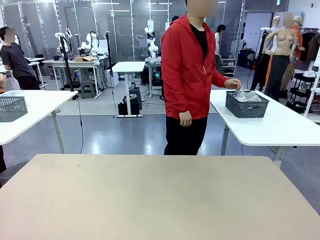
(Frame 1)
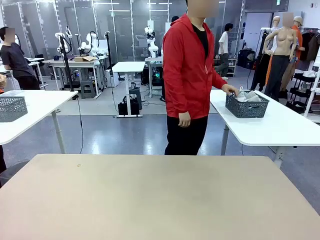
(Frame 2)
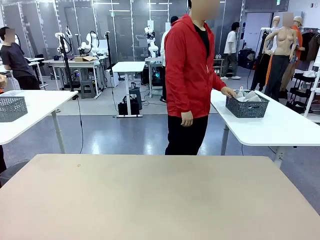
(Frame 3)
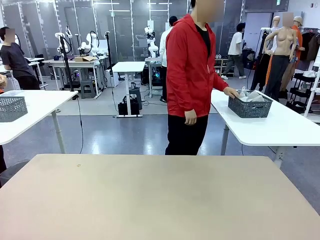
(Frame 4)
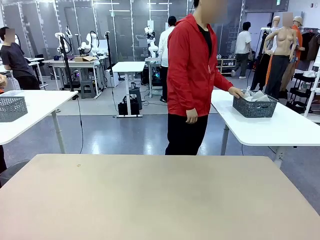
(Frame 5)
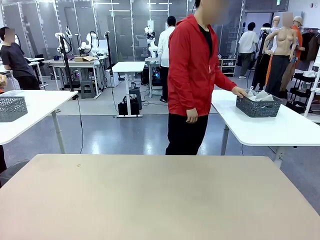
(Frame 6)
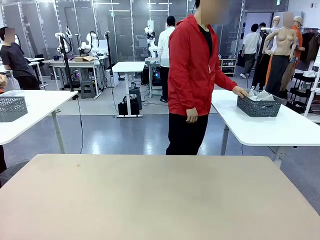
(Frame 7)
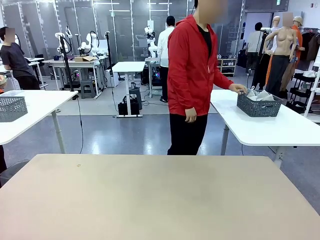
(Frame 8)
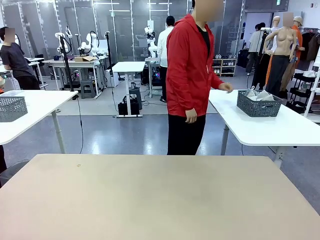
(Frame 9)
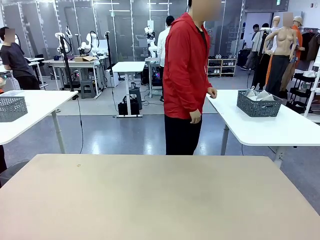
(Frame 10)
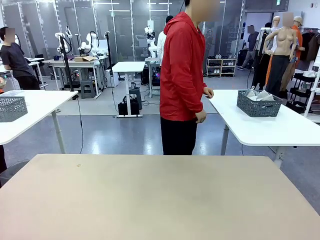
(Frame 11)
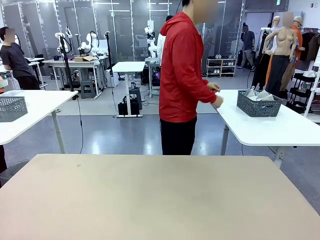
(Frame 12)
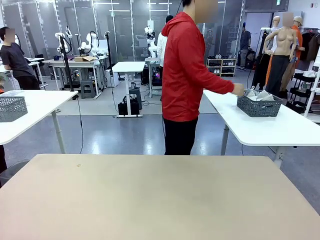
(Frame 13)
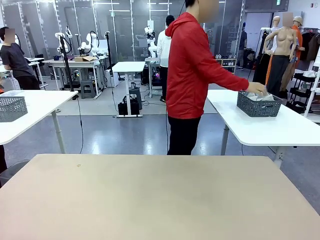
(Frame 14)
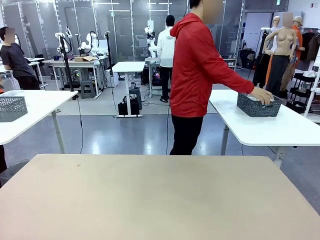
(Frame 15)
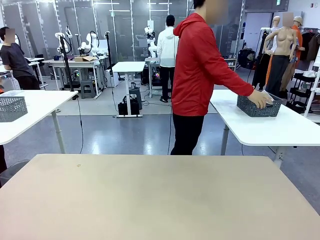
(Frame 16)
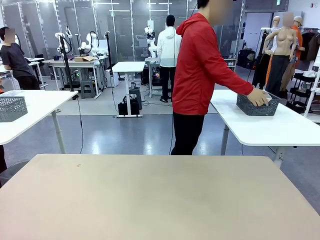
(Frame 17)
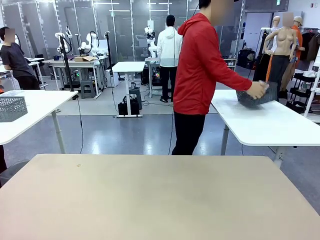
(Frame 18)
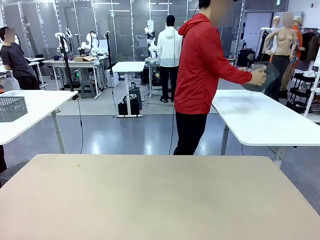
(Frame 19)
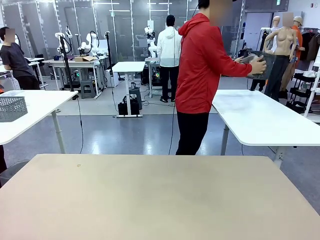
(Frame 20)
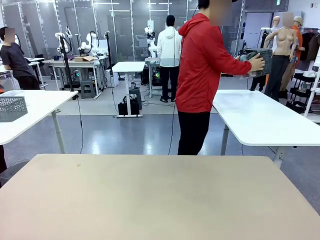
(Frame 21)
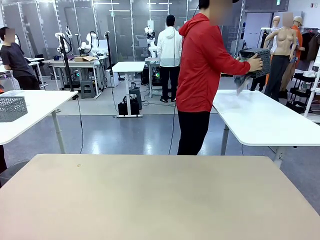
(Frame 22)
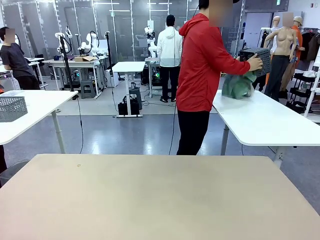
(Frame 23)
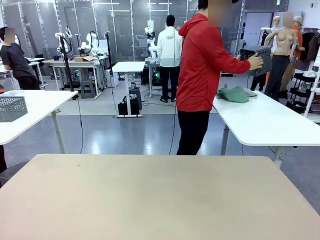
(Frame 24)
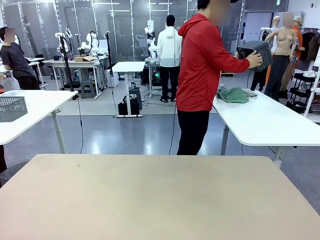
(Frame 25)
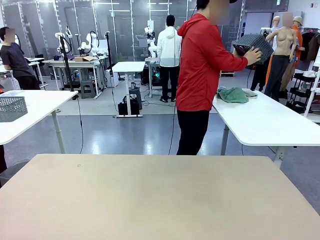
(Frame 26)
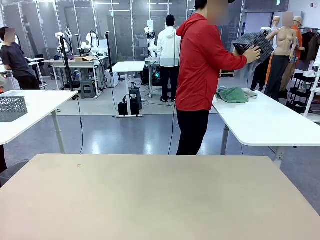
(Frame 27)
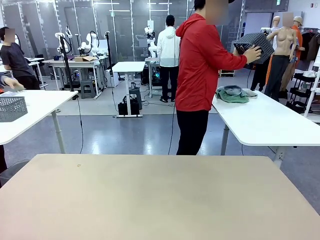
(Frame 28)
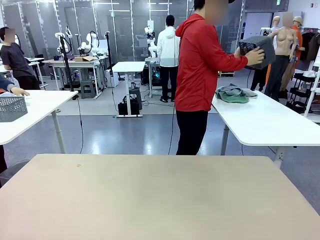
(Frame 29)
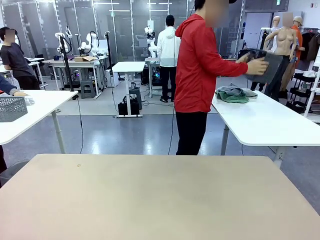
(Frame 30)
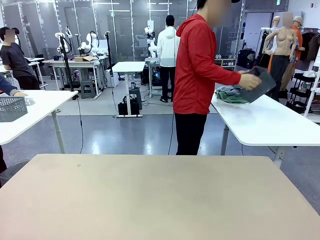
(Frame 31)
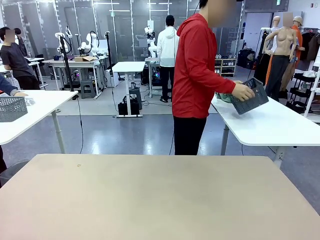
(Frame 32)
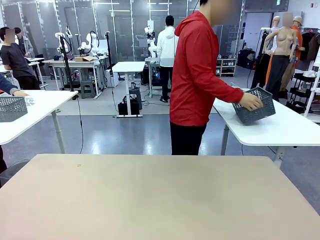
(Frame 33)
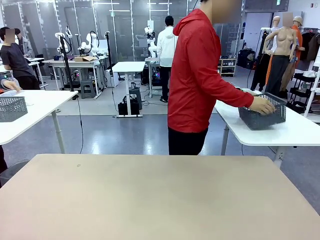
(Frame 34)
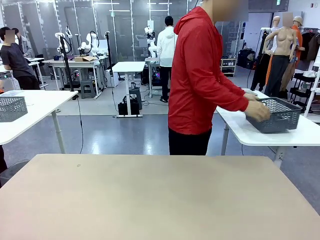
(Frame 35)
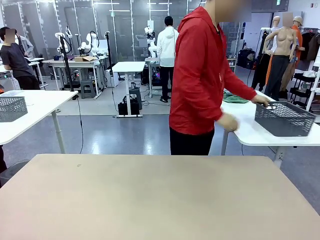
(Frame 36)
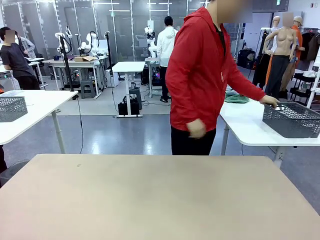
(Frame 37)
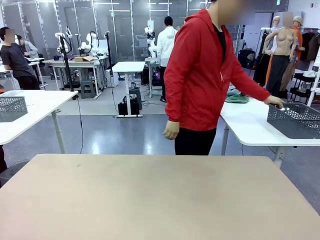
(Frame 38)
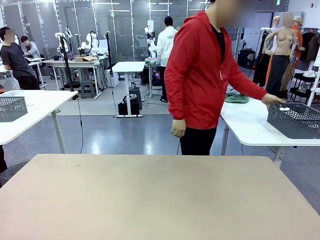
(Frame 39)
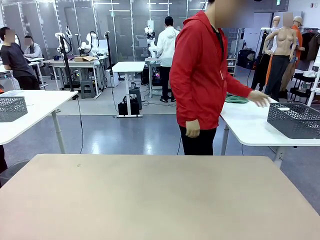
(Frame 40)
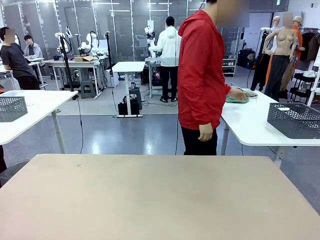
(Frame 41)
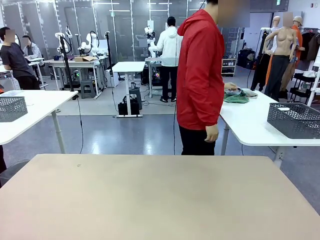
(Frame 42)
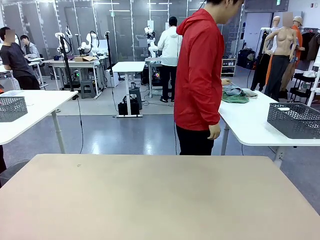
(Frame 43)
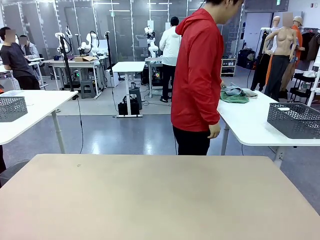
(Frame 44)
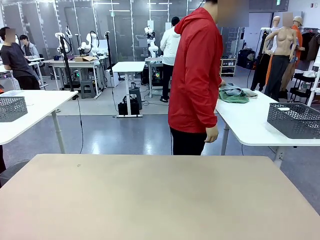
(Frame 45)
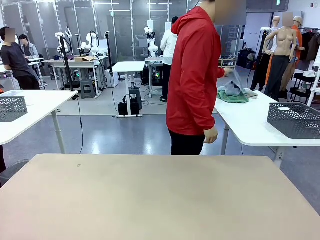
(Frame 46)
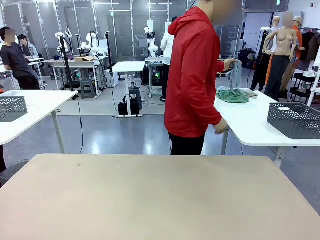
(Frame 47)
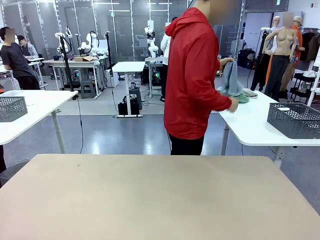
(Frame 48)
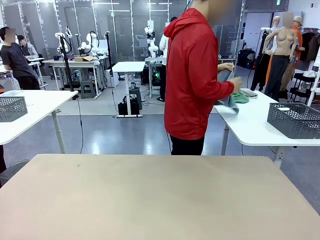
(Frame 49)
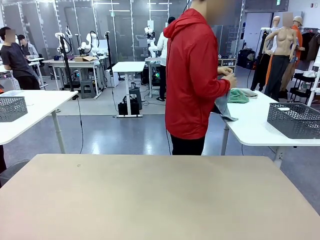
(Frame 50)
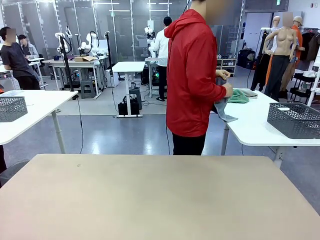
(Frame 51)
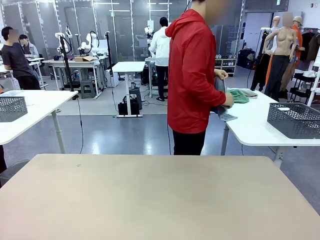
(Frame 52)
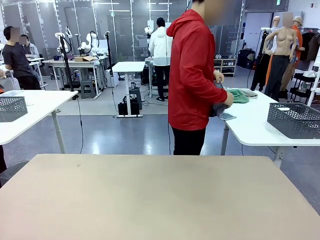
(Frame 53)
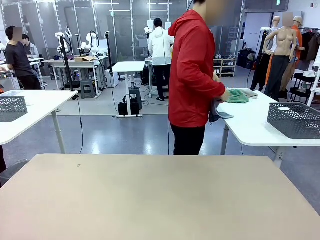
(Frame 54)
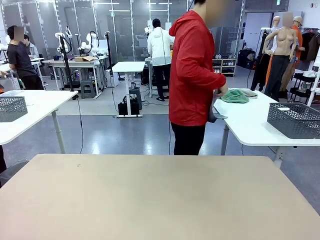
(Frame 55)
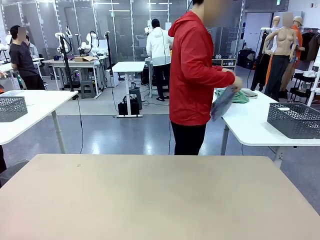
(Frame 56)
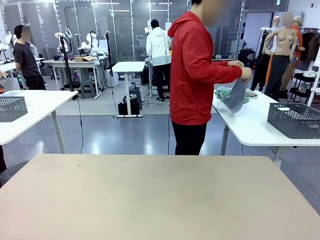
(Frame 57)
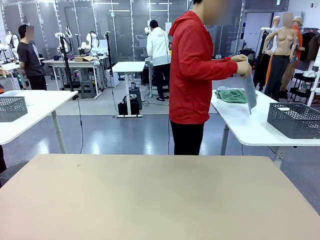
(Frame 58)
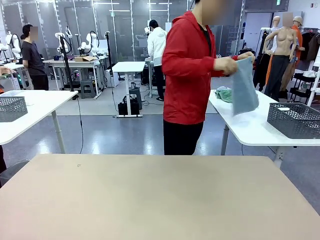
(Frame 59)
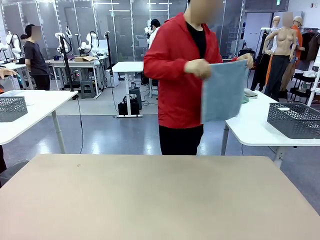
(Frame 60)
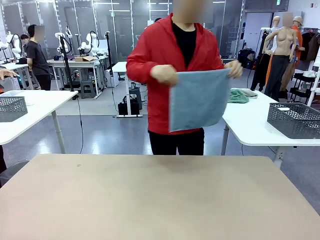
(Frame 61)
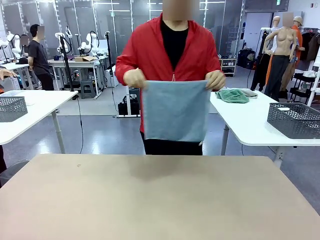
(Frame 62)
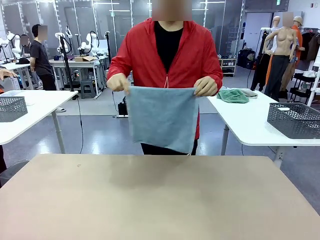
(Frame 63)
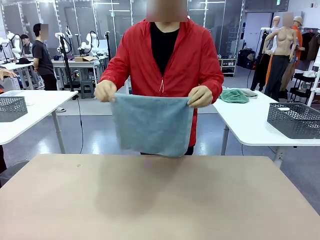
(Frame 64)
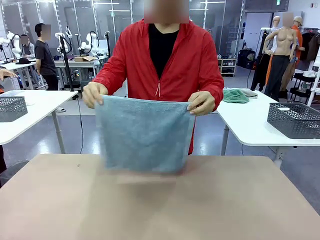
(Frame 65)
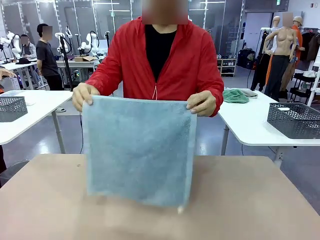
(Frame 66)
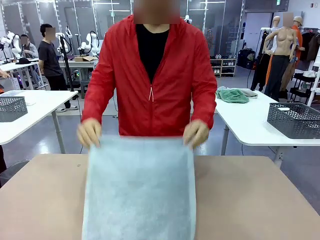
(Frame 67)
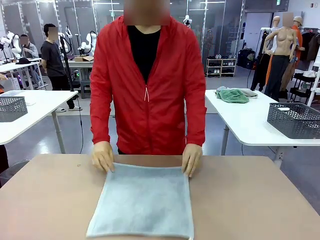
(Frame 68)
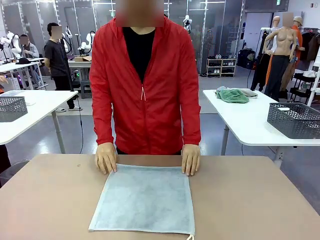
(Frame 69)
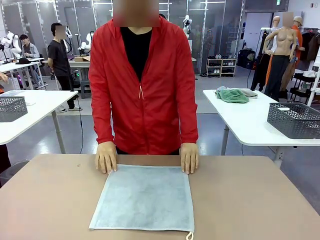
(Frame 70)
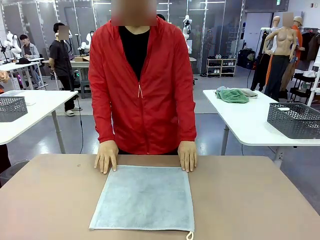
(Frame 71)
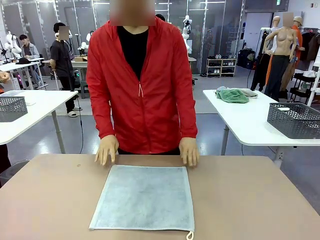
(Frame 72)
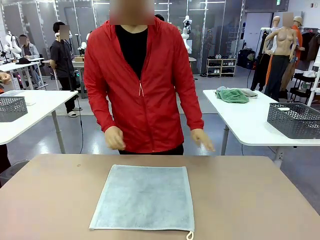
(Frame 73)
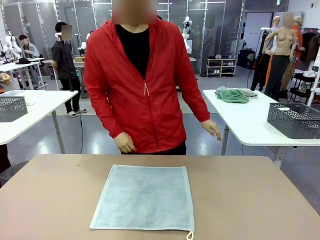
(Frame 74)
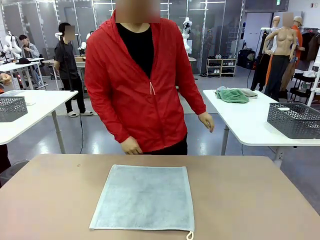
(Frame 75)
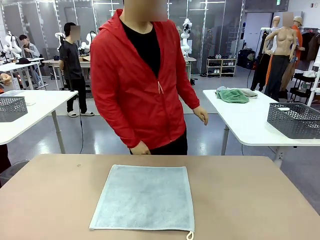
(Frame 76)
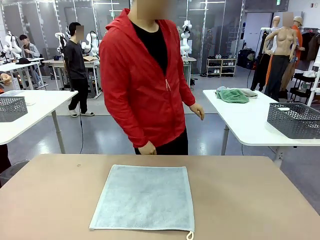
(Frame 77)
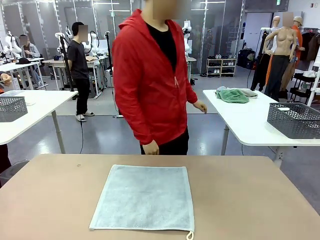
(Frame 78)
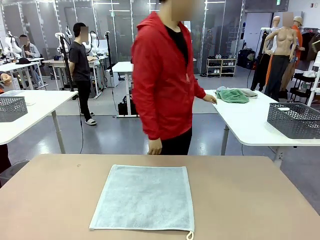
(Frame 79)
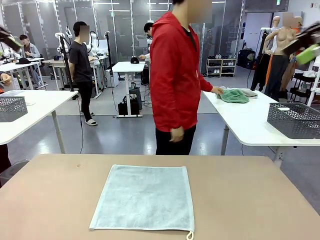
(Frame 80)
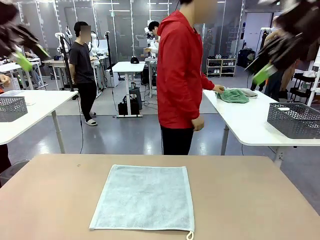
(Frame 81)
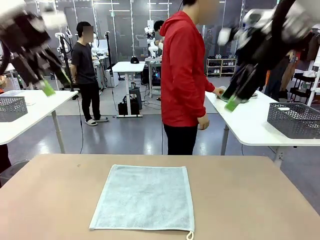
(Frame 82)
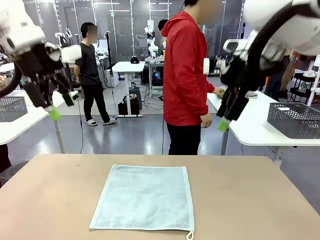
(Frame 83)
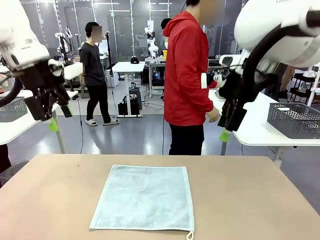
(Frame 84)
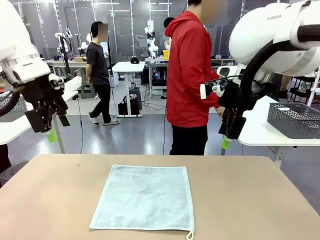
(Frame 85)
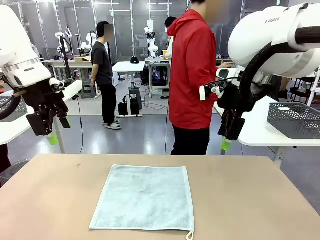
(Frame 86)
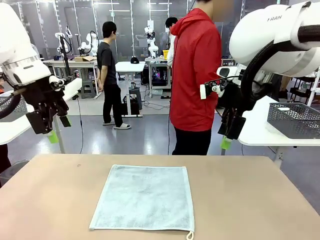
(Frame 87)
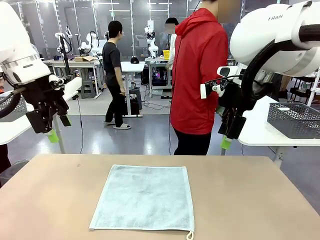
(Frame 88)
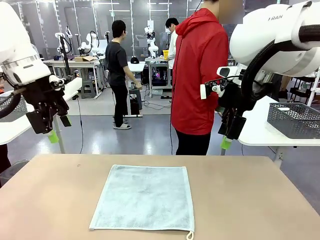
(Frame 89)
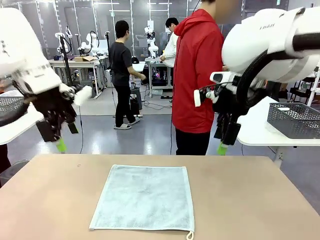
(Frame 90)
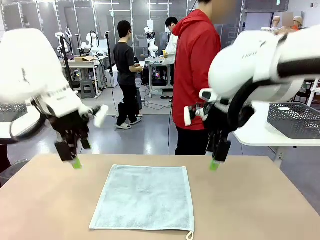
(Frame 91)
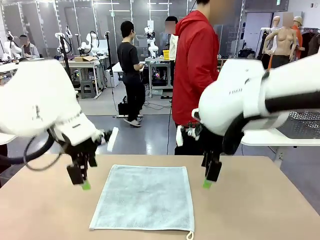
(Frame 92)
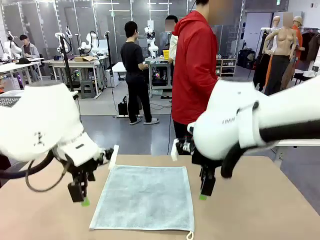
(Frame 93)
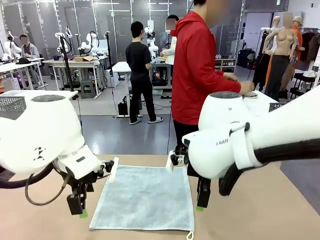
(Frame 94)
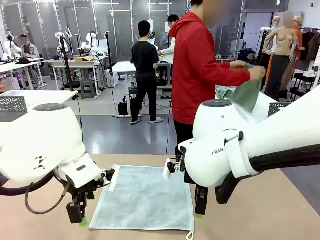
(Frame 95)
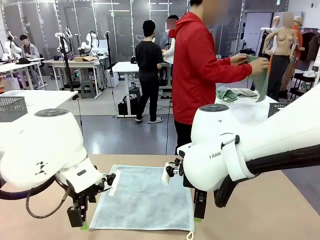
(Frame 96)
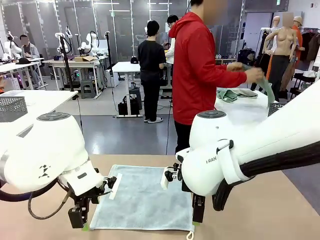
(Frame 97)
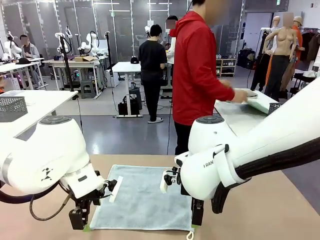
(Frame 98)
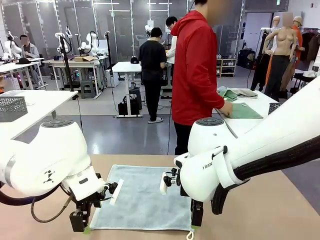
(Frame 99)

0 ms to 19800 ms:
Task: Fold the towels and place them in the basket.
Robot: When a person lays out a Towel with hook on the table, fold it in half twice.
Person: Pick up the basket, pour the towels onto the left side of the human table, and place the basket on the right side. Pick up one towel and spread it out at the center of the robot table.
